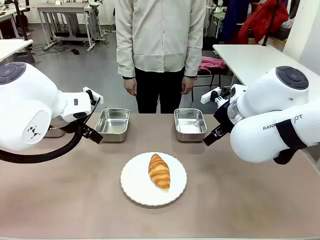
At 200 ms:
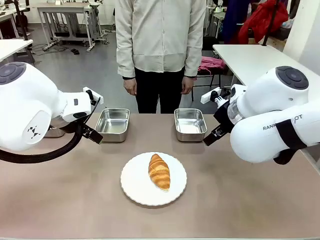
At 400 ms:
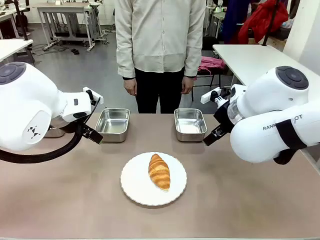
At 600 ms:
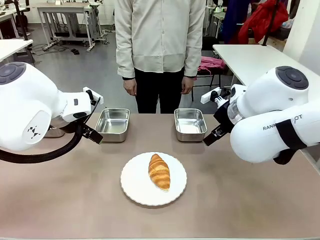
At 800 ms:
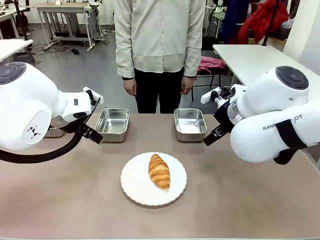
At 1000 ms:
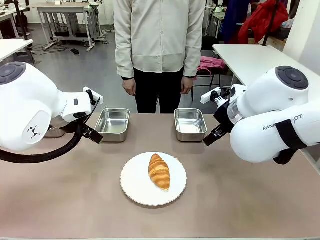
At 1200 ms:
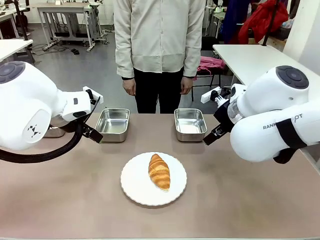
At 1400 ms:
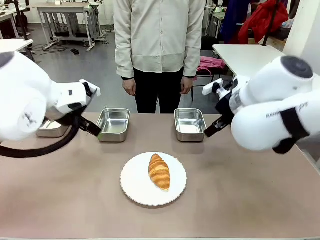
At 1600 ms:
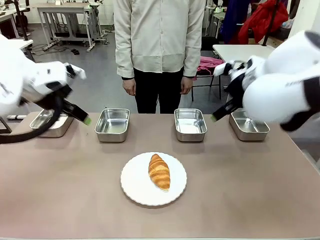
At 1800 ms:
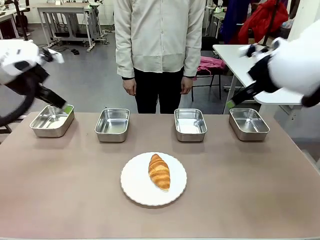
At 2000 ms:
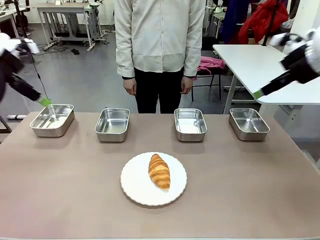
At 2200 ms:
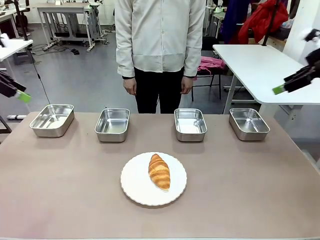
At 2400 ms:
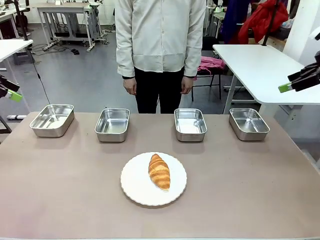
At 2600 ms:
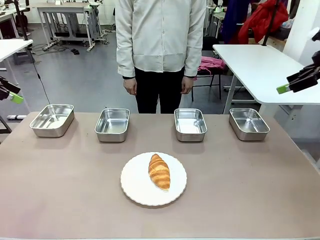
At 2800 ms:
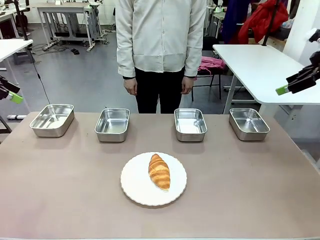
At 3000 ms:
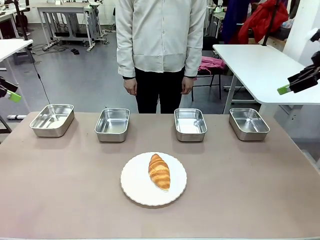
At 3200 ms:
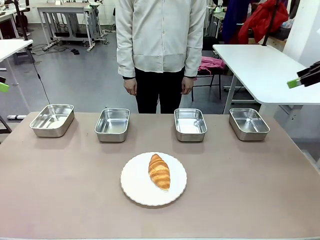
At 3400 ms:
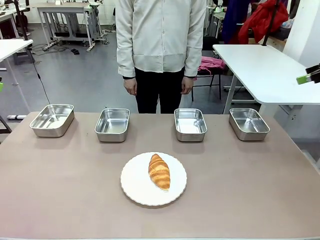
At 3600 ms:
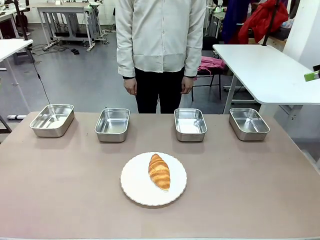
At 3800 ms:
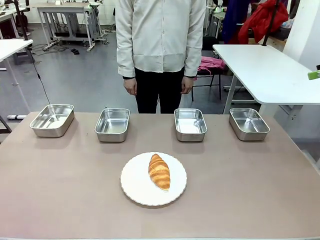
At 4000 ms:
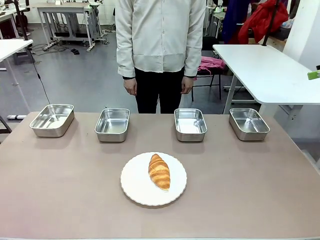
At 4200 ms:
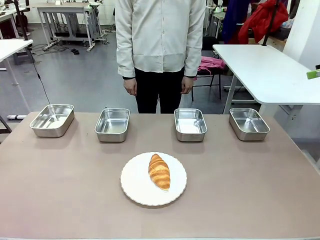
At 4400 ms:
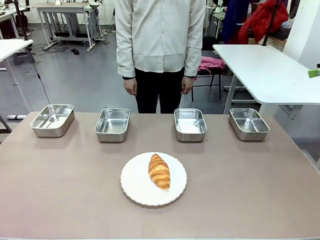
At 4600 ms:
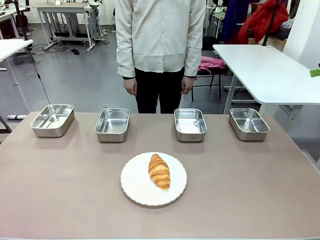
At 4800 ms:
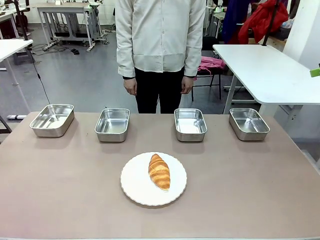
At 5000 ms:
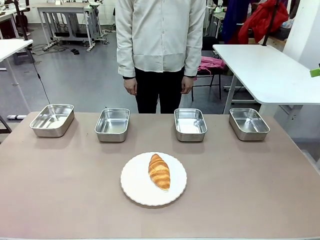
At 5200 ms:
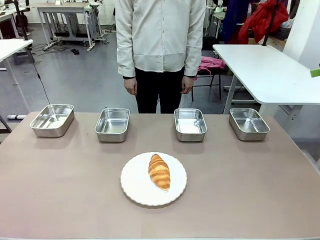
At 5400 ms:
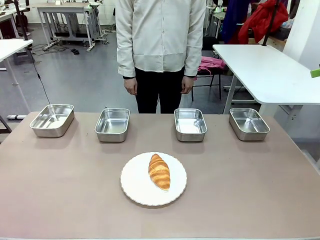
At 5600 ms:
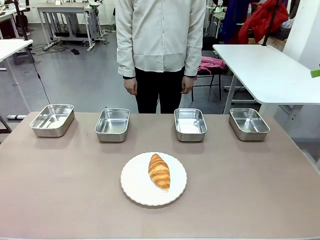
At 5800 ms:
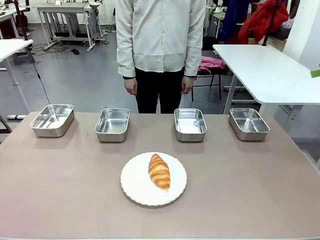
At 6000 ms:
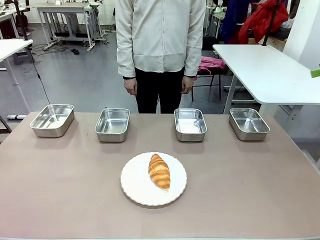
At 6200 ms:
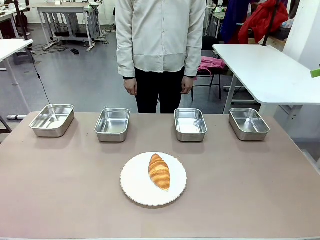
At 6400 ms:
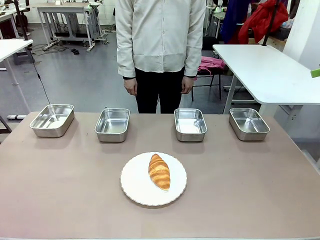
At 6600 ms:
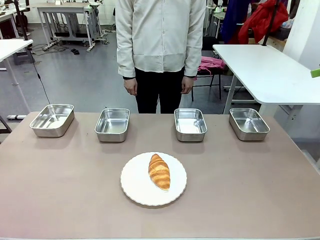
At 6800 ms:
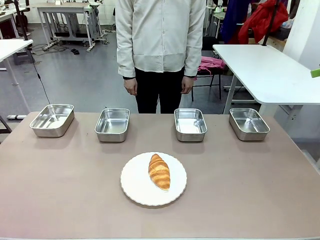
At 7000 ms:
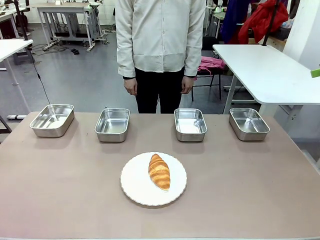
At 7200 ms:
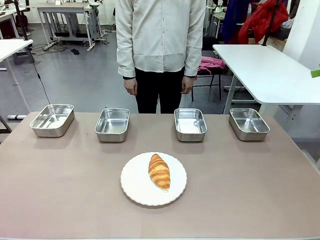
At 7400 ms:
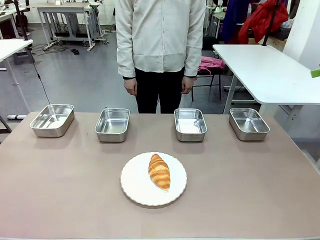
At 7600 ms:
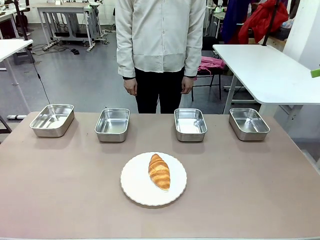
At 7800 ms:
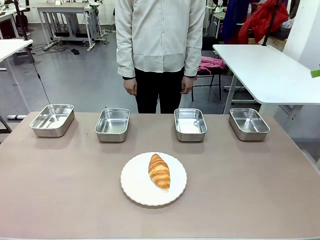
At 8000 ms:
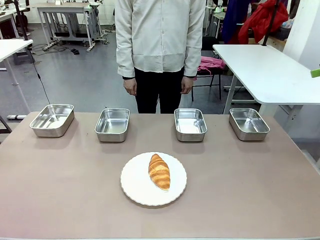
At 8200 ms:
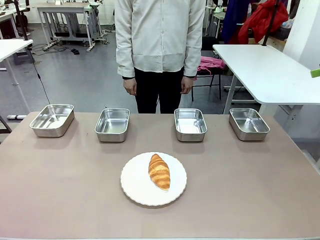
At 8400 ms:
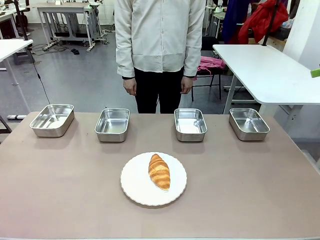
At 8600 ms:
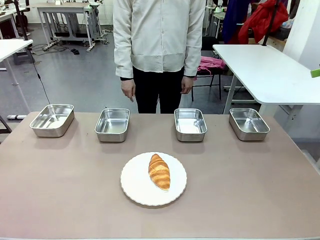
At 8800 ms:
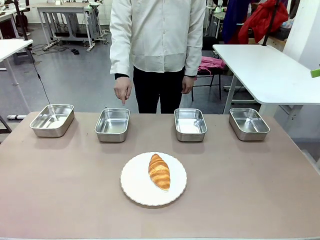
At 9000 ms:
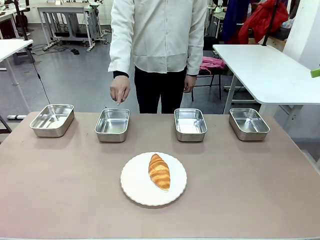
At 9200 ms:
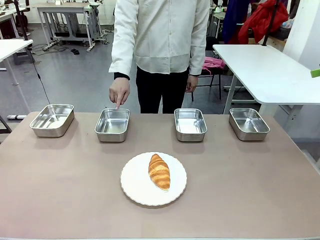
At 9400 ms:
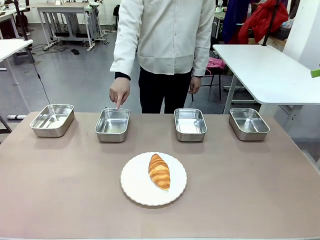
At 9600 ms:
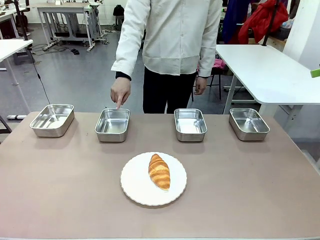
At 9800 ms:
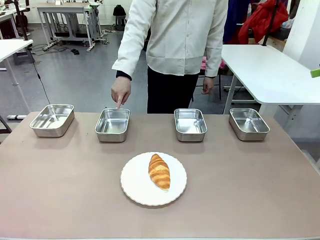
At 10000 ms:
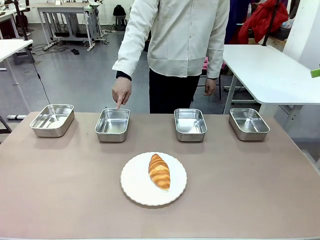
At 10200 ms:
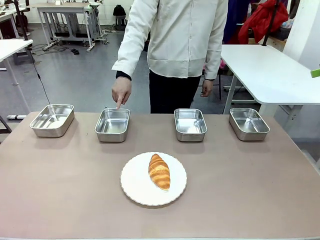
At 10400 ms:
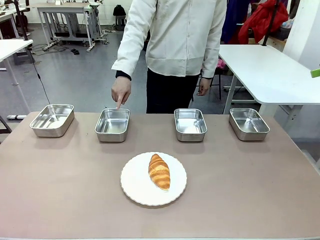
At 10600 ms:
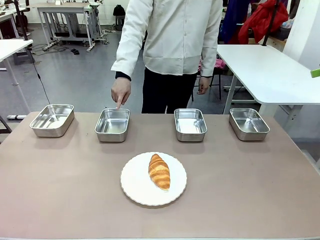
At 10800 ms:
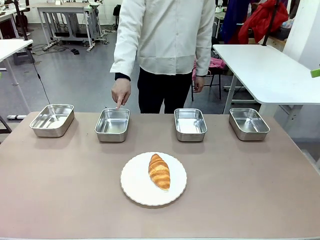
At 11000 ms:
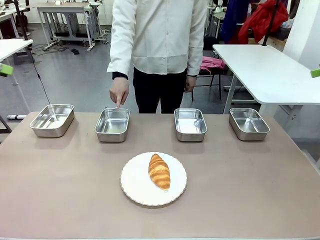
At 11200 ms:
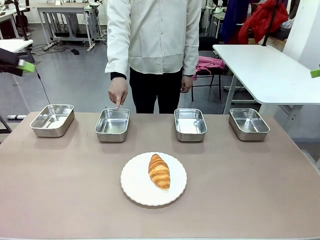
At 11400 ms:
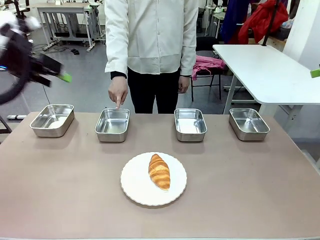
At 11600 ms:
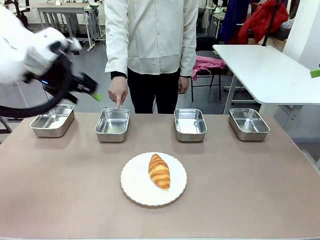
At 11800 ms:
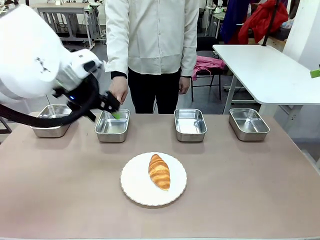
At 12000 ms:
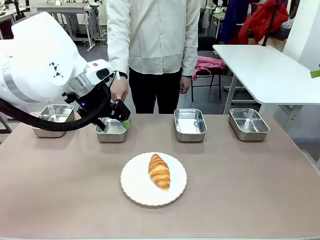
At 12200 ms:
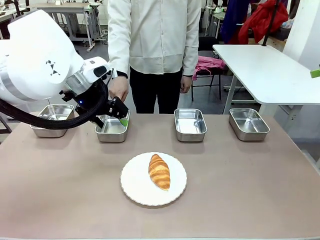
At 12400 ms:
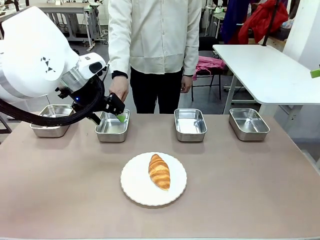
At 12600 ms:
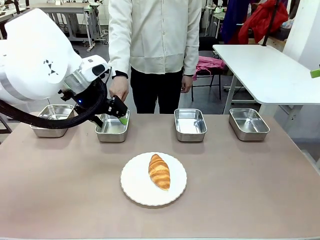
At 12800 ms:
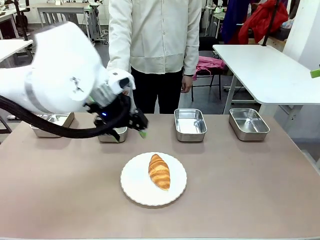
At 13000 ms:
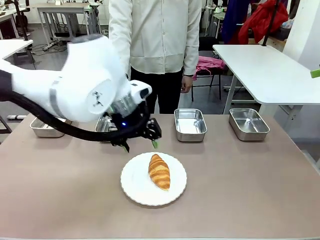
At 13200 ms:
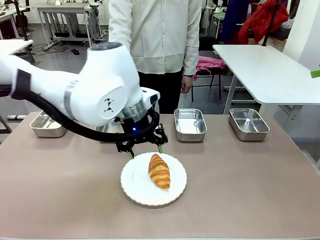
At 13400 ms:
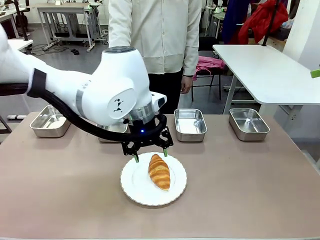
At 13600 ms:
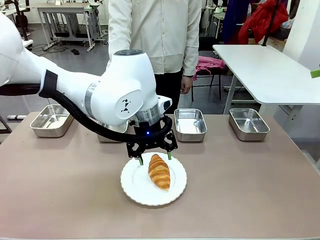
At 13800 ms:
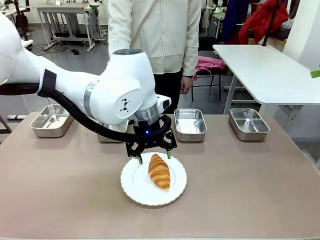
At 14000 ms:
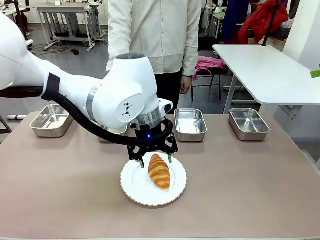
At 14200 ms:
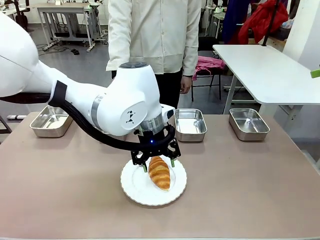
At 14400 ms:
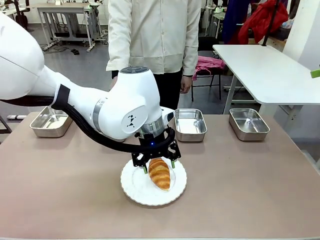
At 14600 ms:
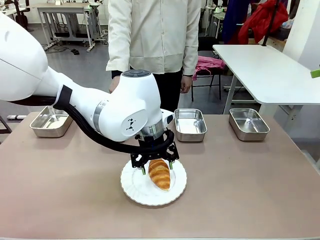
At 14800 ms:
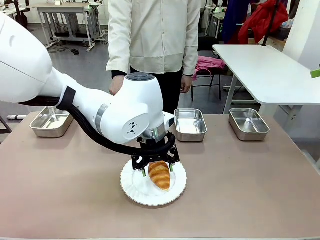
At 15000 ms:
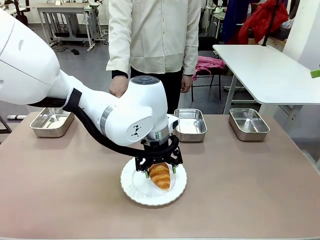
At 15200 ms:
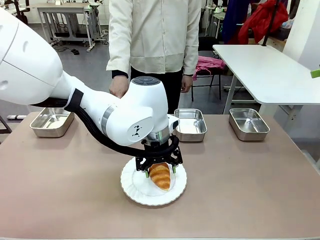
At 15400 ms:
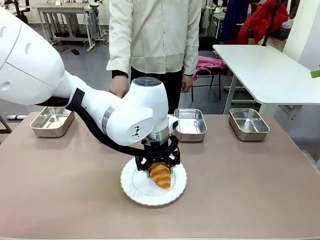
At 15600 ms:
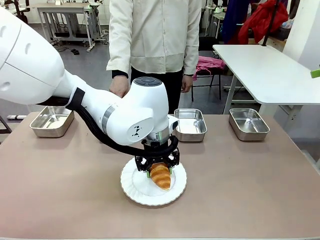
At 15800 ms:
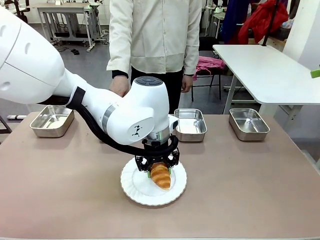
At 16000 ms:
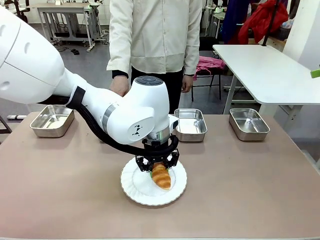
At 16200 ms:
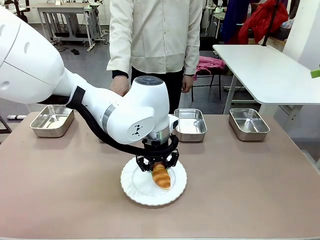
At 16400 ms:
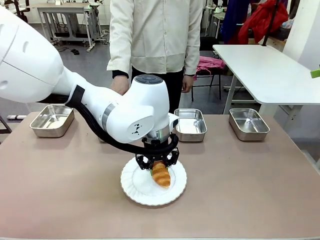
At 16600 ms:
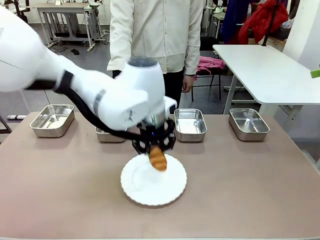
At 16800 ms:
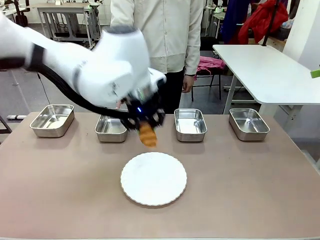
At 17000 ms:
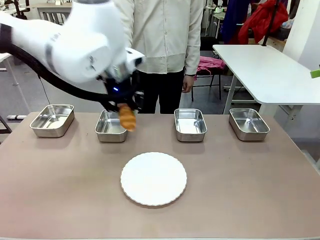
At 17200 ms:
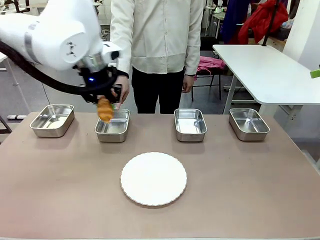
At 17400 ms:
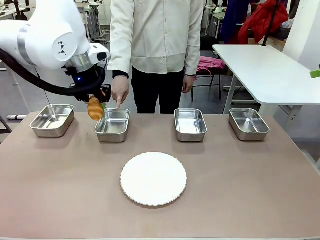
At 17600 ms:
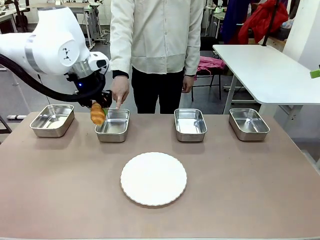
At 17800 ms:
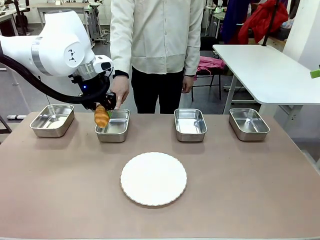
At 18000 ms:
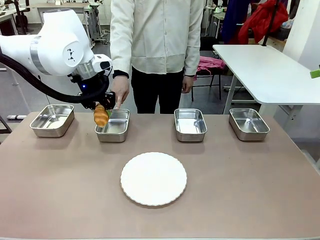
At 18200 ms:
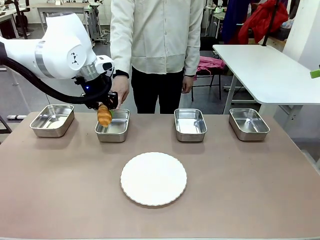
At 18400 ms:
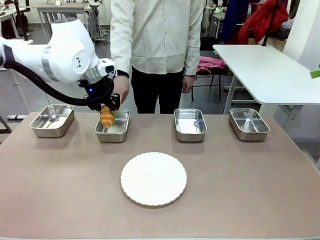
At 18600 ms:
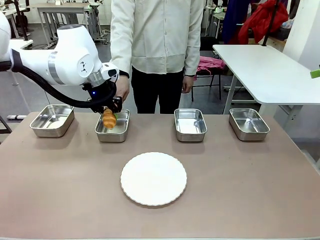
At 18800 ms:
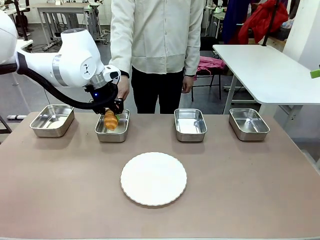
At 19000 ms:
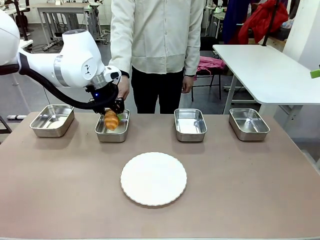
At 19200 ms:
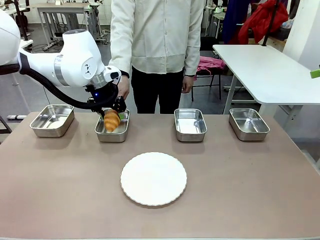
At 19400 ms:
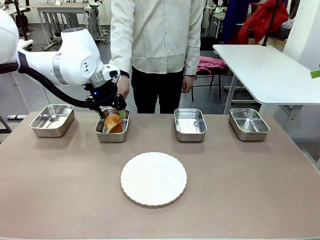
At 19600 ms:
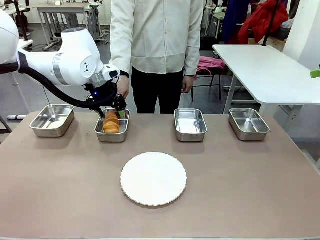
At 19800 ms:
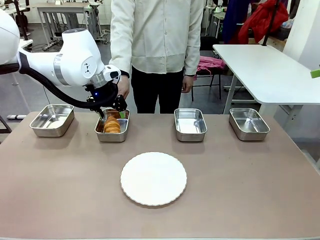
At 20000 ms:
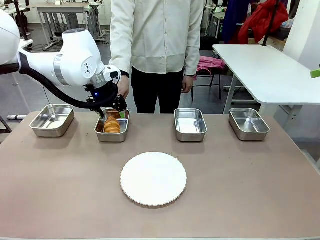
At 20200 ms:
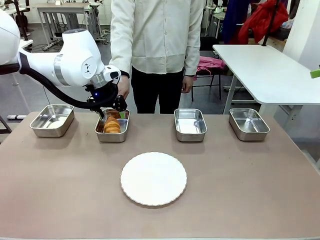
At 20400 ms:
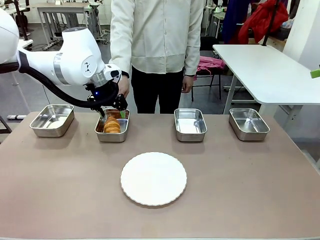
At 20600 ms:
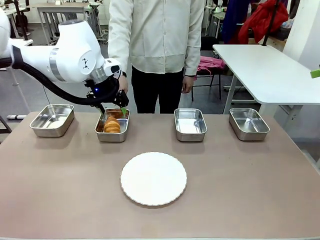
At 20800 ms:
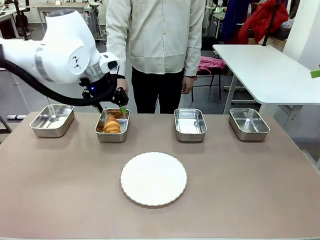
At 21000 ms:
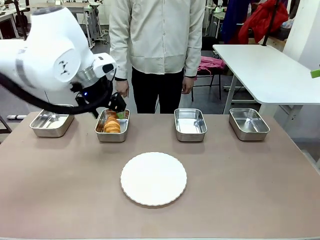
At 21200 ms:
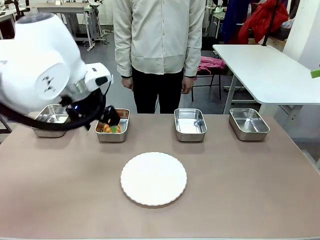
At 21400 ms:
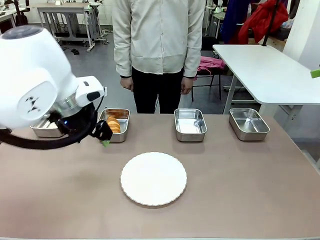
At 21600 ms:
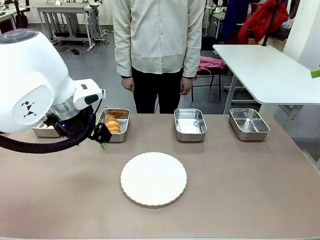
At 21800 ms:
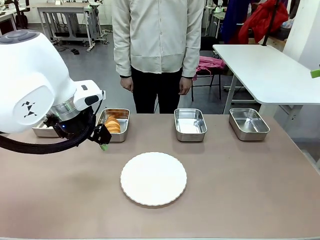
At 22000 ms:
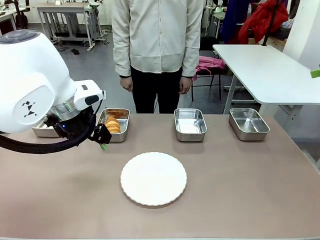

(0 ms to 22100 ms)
Task: Place the bread in the container.
Robot: Place the Butter Roll into the Airtight Container indicated by the human.
Person: A person randomly selects and points to an Airtight Container.
